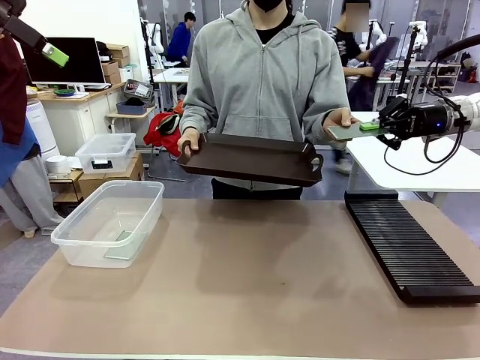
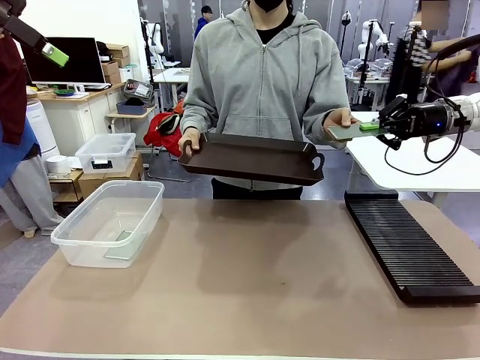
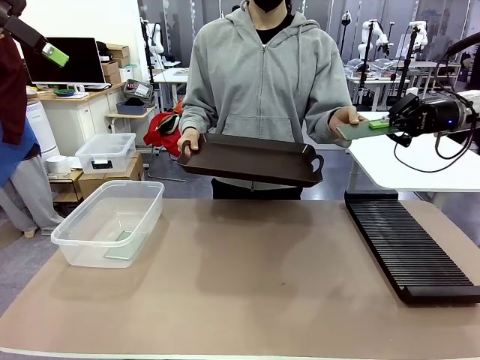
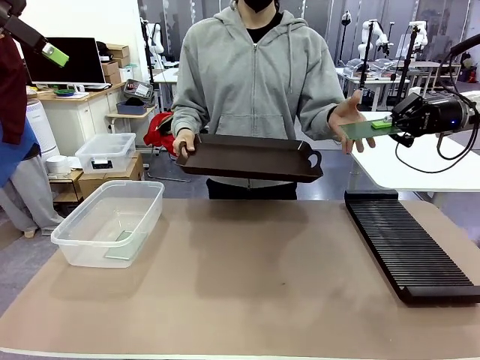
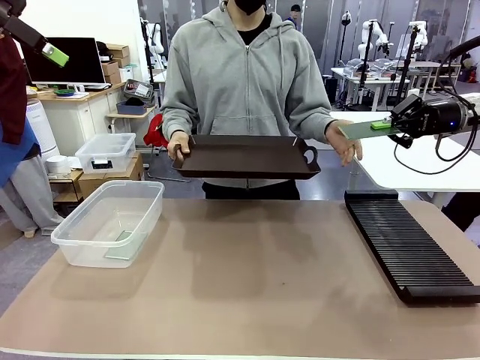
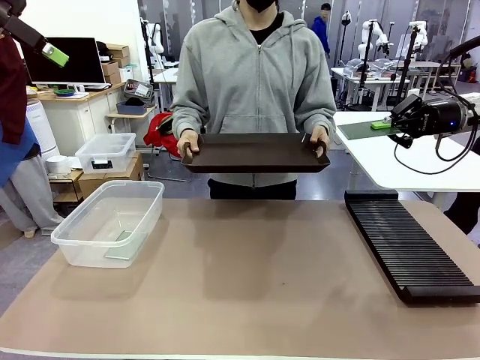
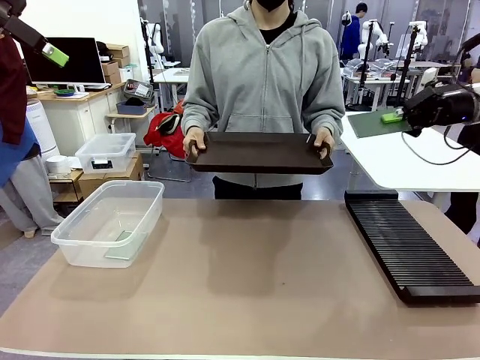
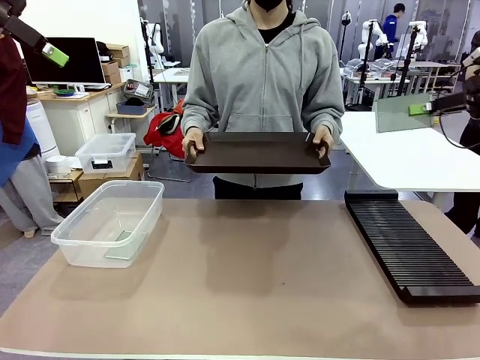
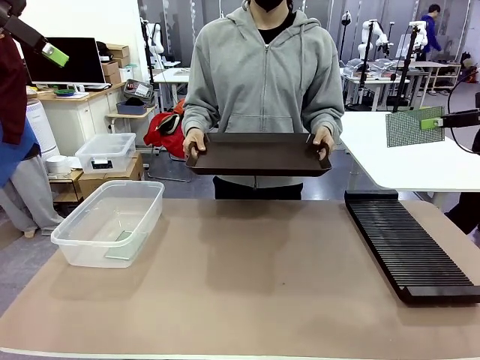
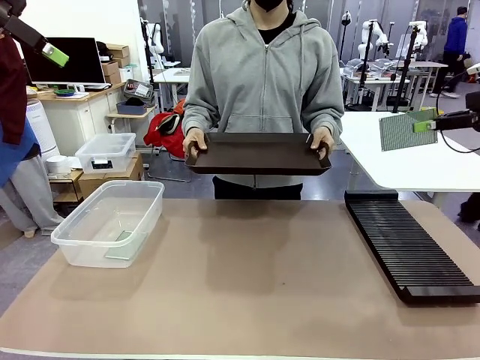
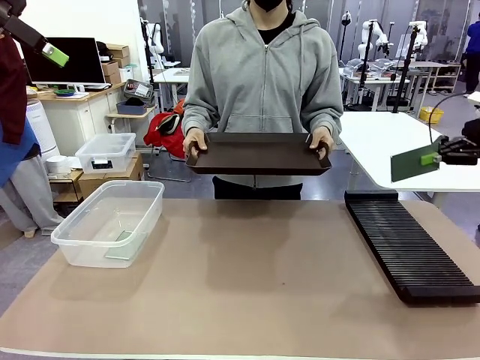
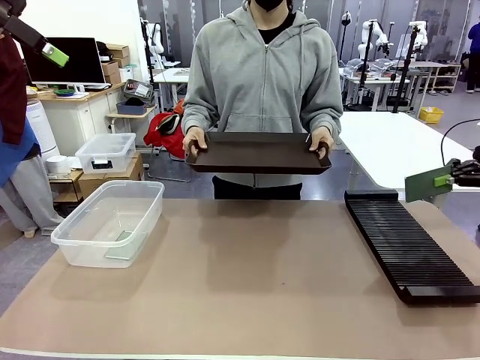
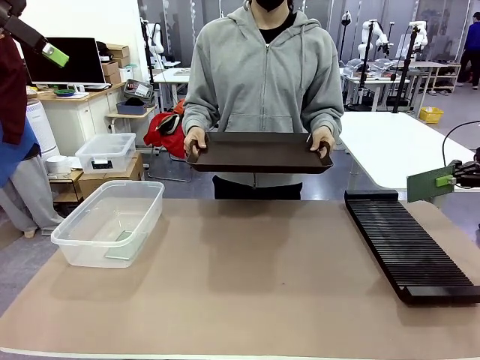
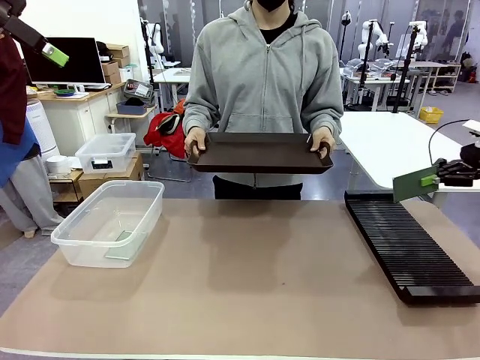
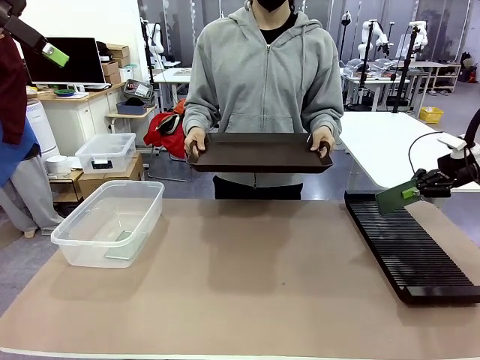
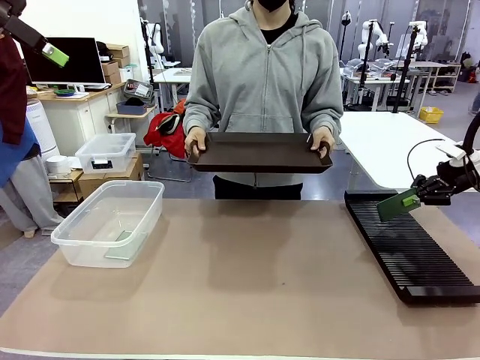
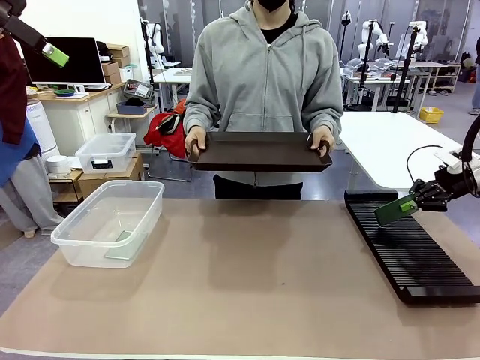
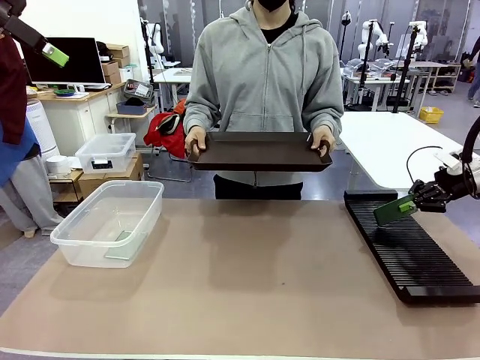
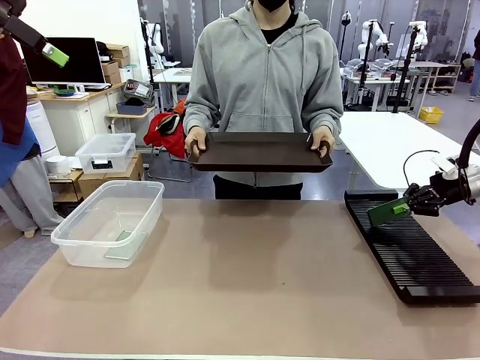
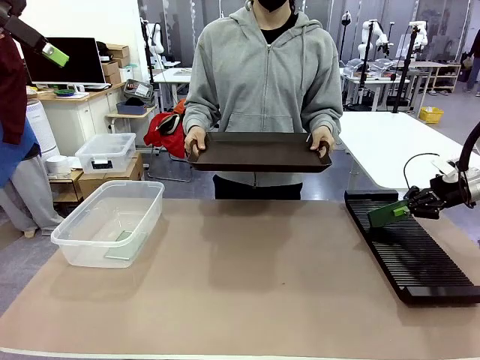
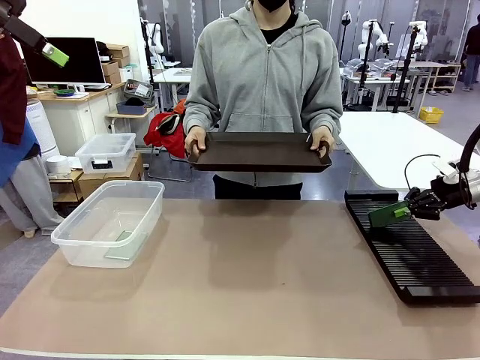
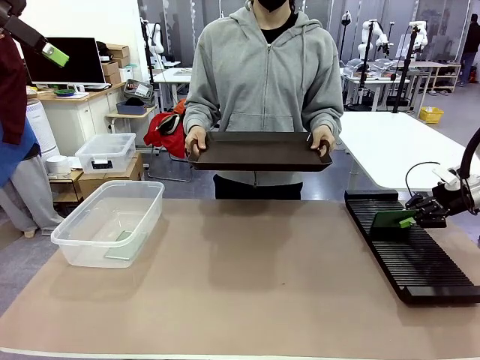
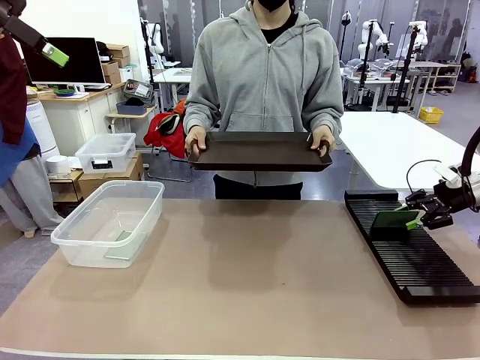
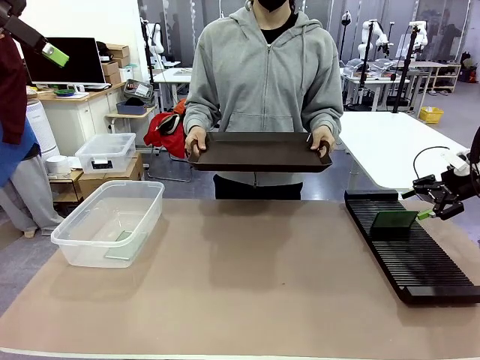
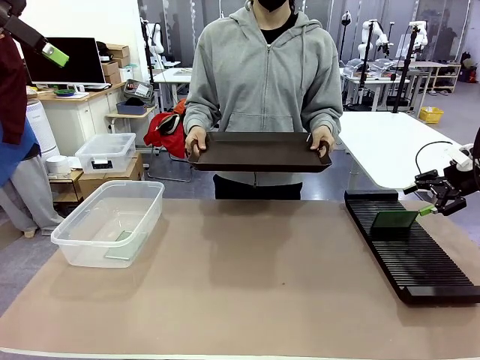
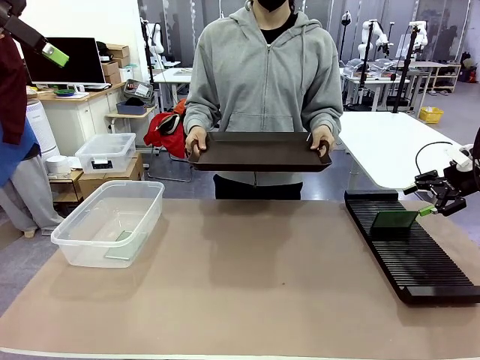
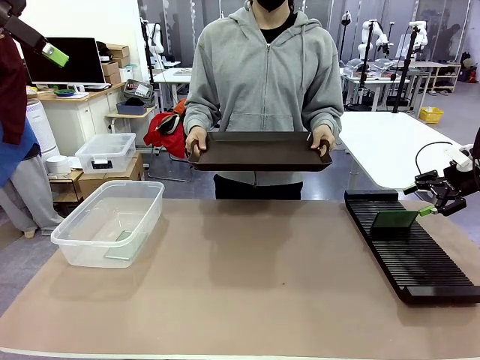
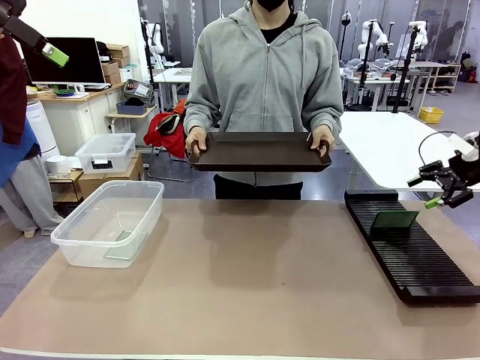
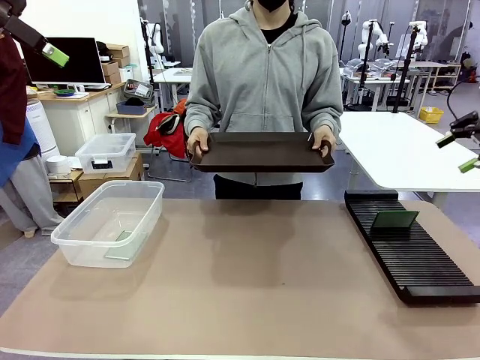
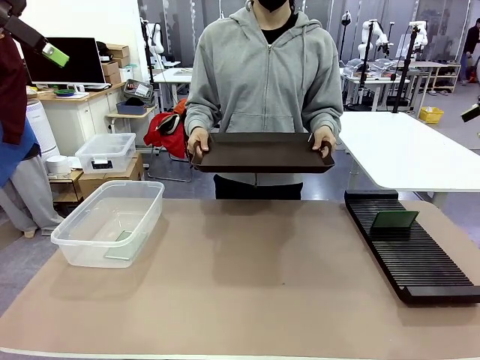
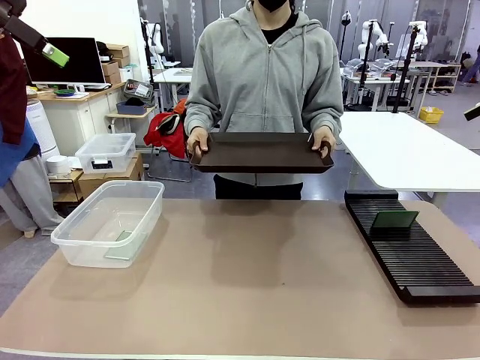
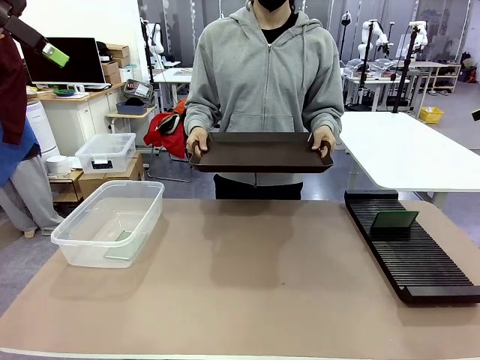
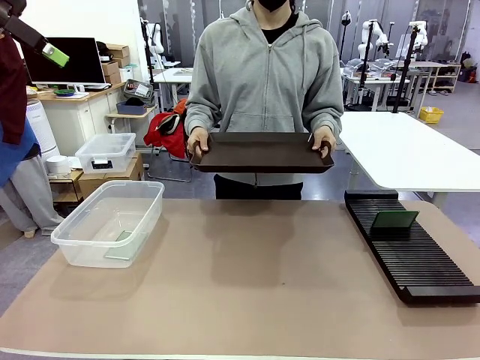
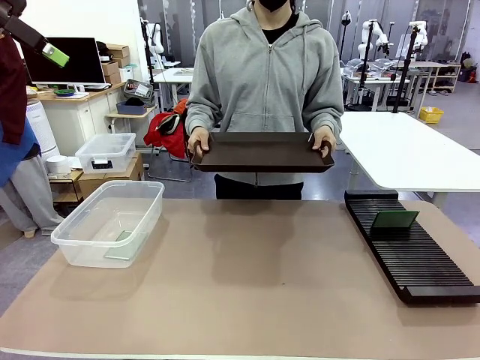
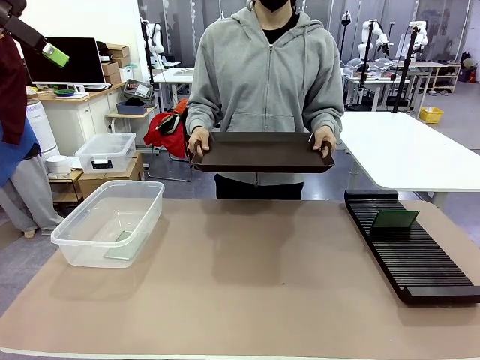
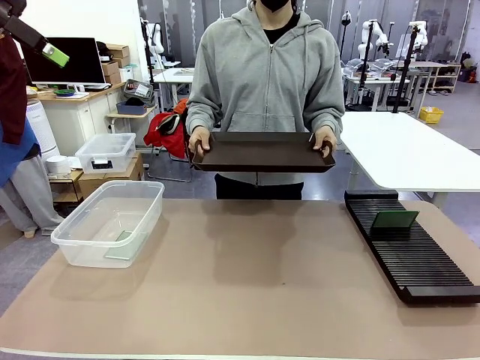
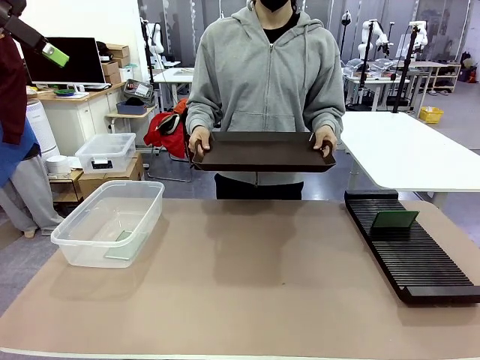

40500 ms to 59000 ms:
Task: Sort PCBs into racks and boxes based on the side picked up.
Robot: If the short side of the Blank PCB is picked up, insert it into the PCB Rack ; if the long side is picked up, place it in the Organizing box.
Person: Release the PCB being held.

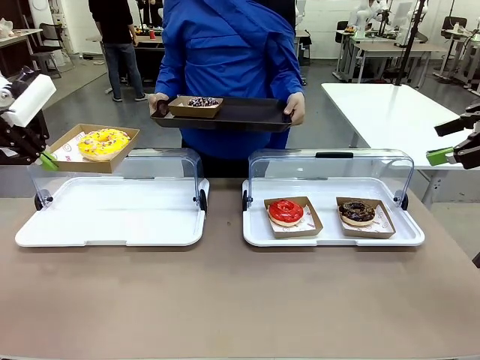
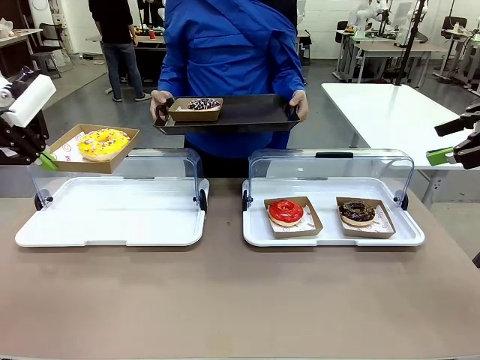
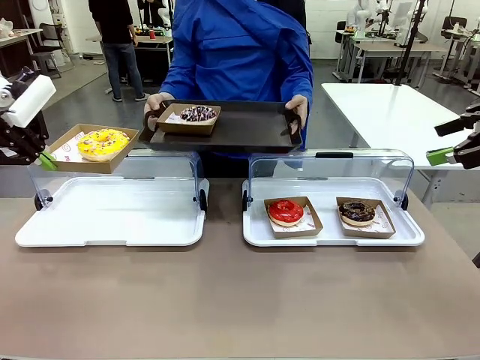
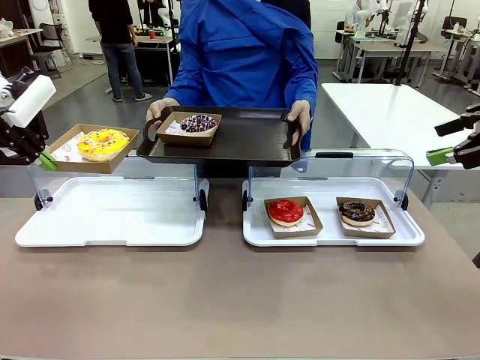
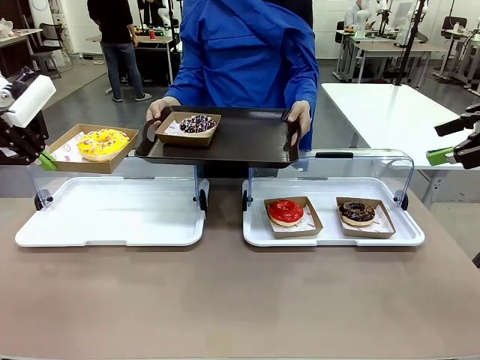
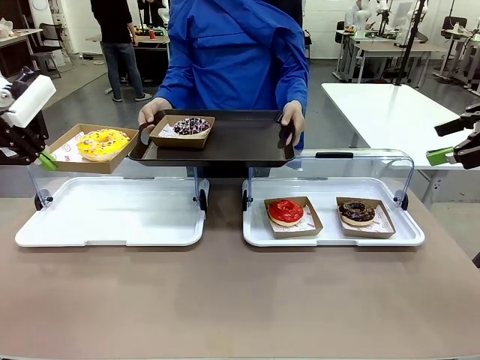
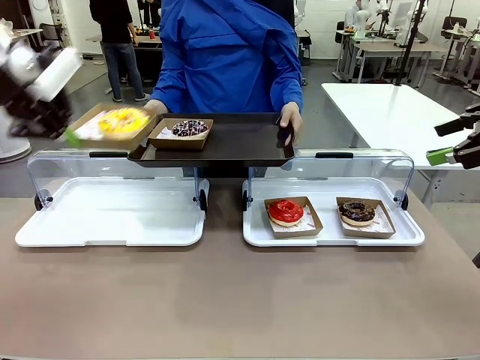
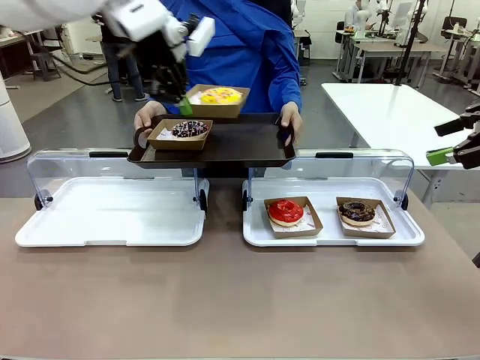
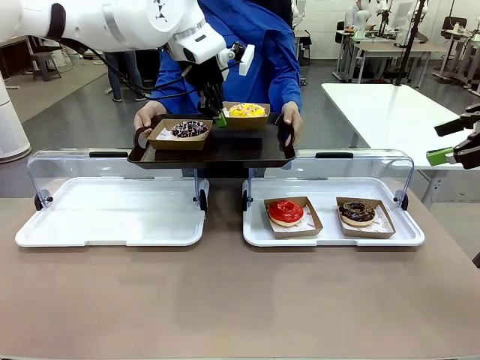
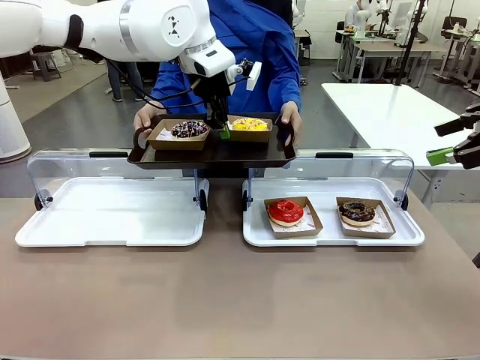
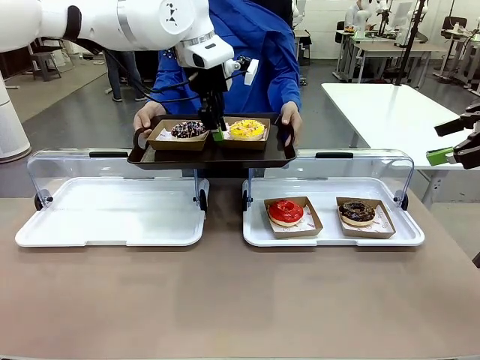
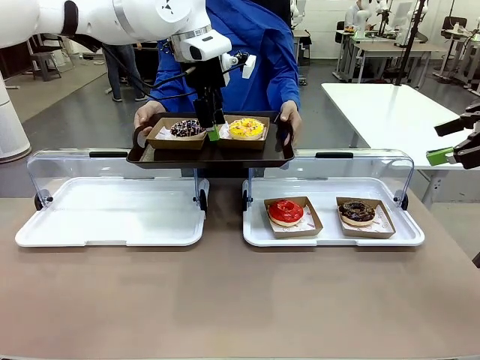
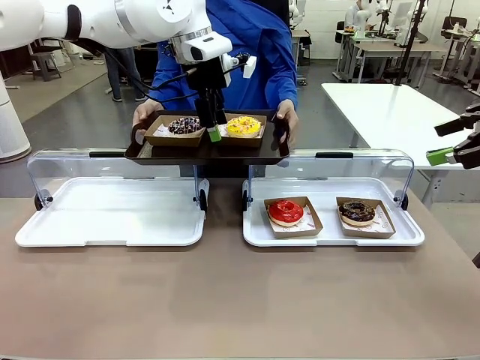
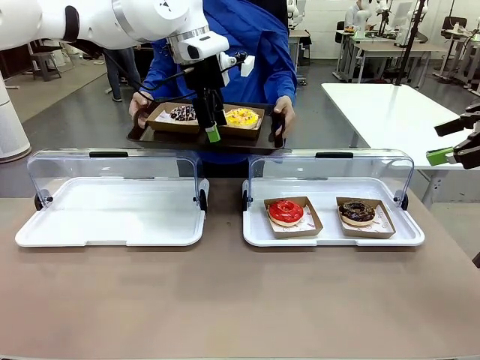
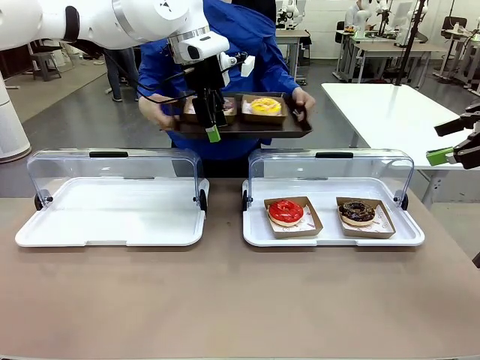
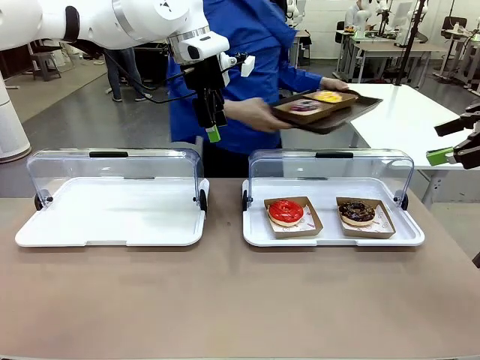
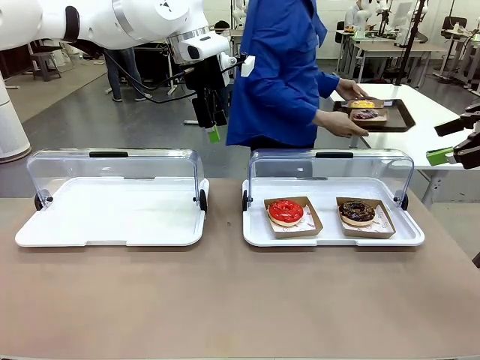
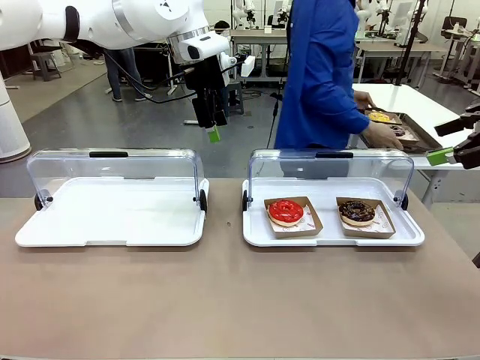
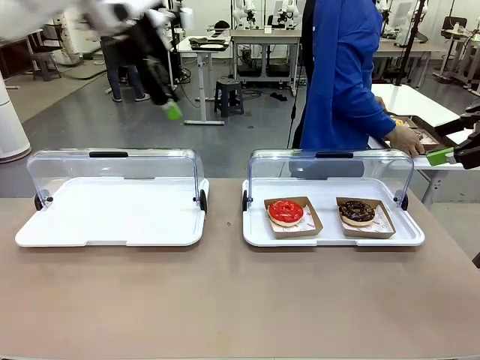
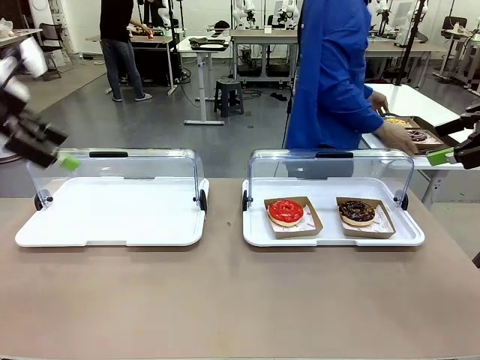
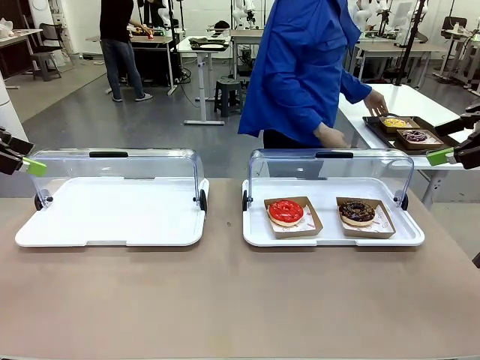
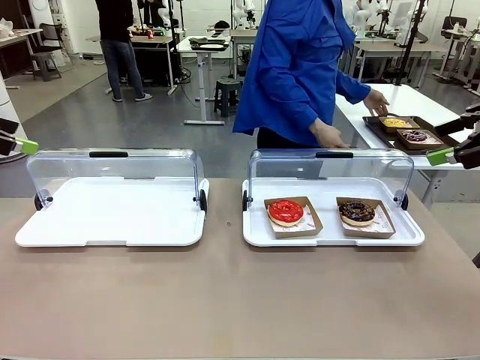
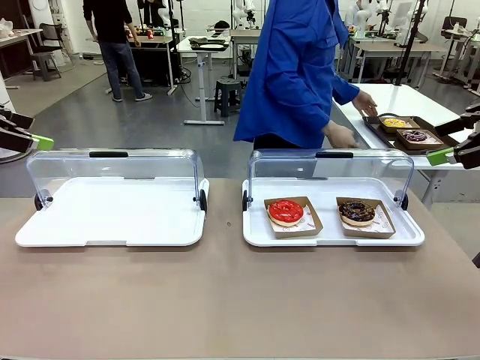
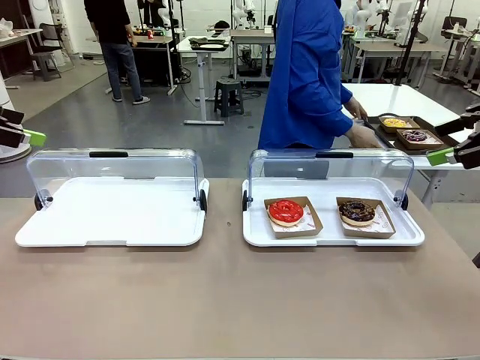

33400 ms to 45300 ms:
Task: Provide the desired donut to the person.
Robot: Place the picked Paper togo box onto the Handle tray extended by the person.
Person: Place the tray in the middle of the human table.
